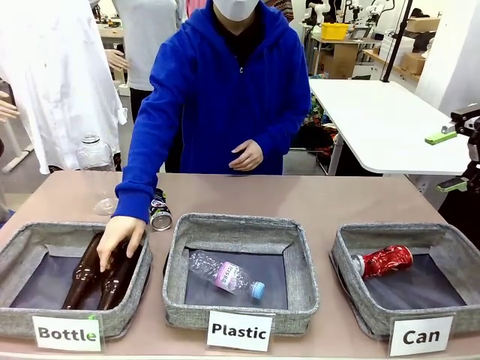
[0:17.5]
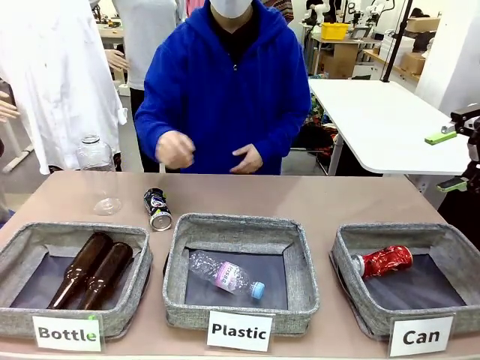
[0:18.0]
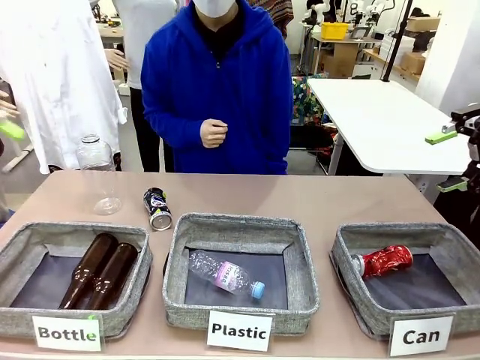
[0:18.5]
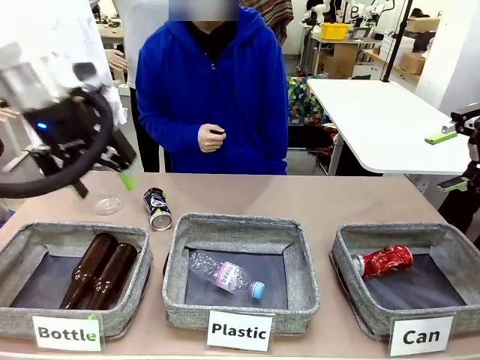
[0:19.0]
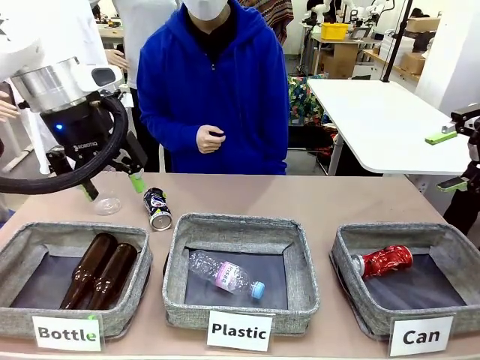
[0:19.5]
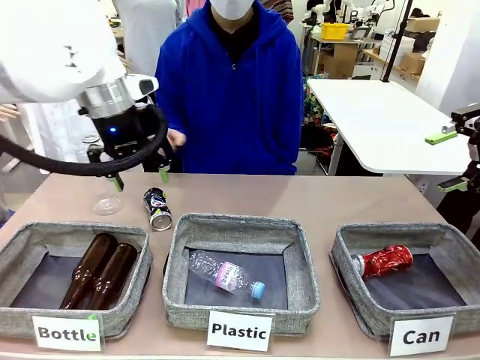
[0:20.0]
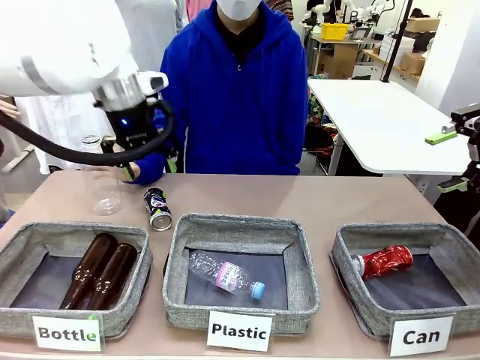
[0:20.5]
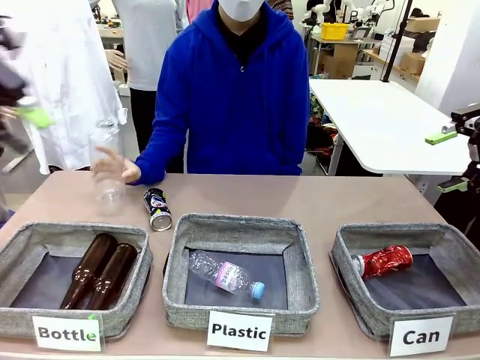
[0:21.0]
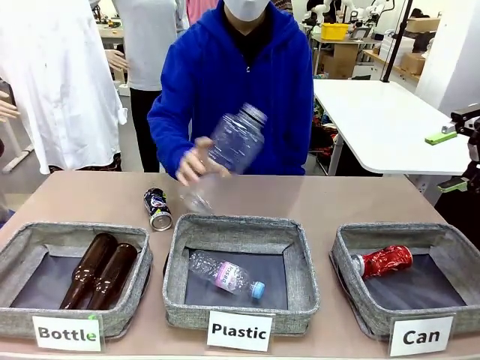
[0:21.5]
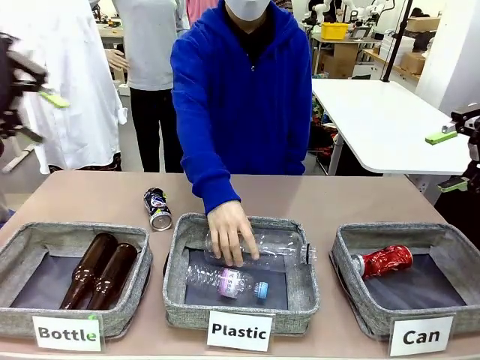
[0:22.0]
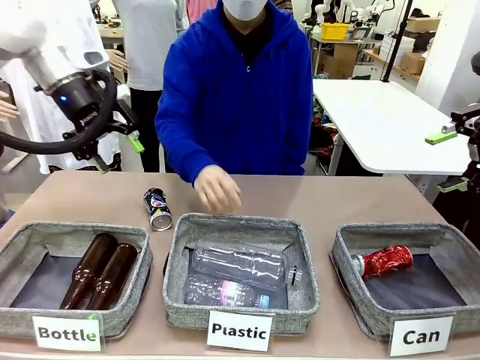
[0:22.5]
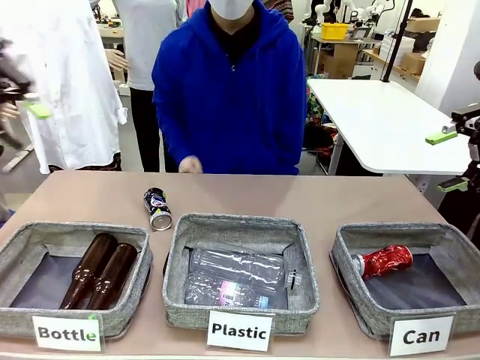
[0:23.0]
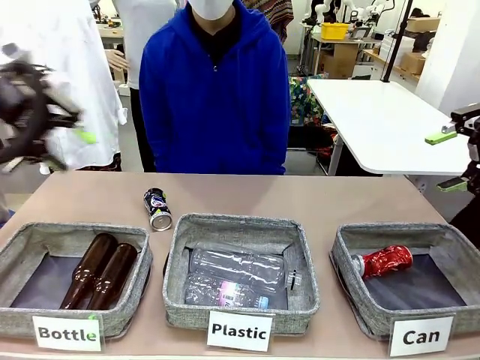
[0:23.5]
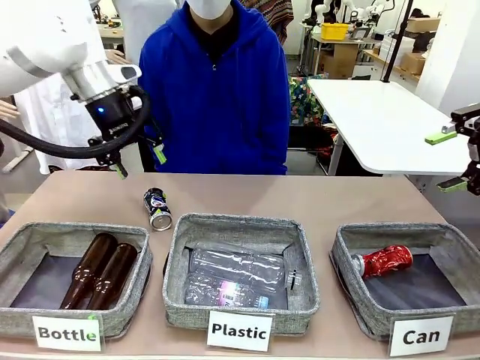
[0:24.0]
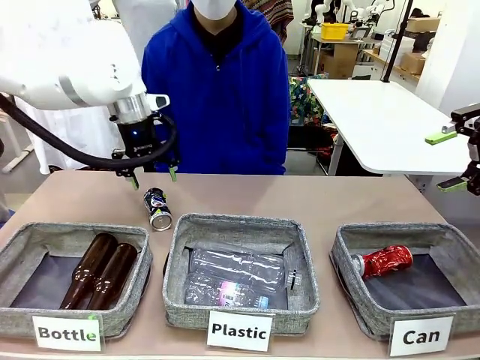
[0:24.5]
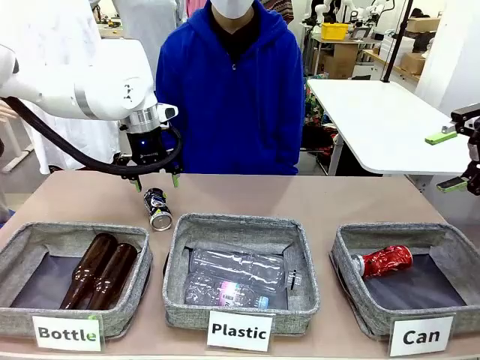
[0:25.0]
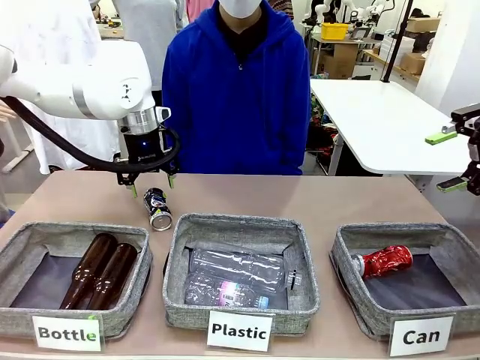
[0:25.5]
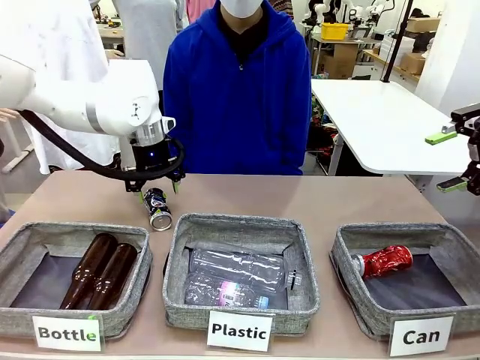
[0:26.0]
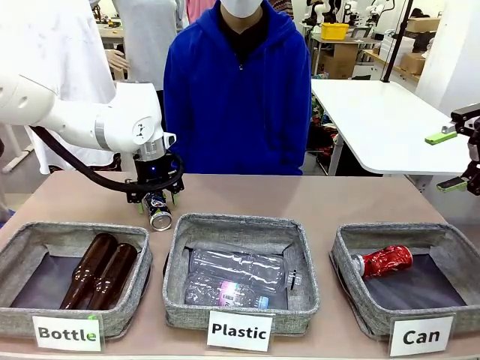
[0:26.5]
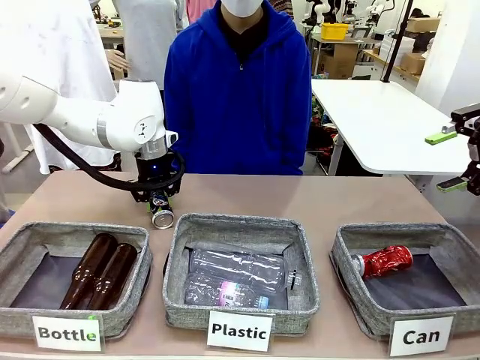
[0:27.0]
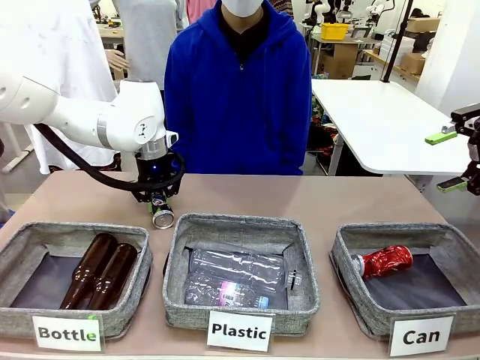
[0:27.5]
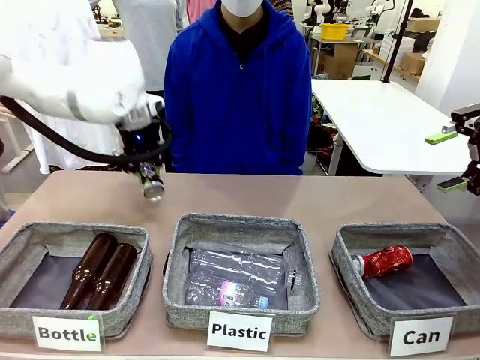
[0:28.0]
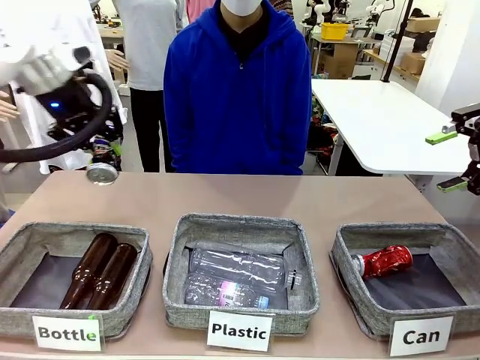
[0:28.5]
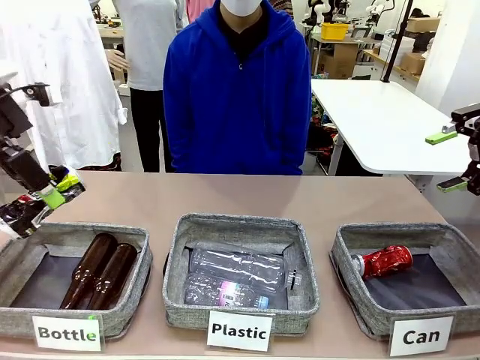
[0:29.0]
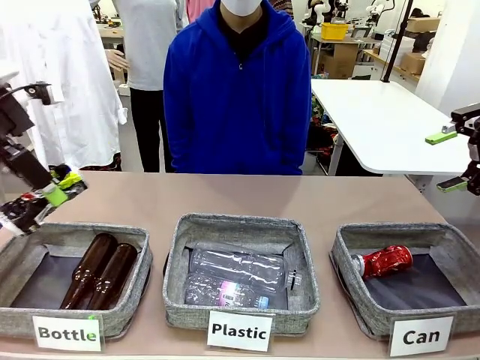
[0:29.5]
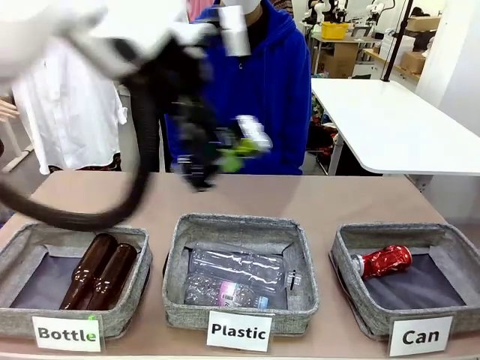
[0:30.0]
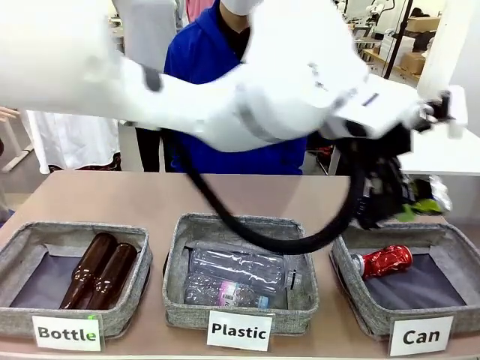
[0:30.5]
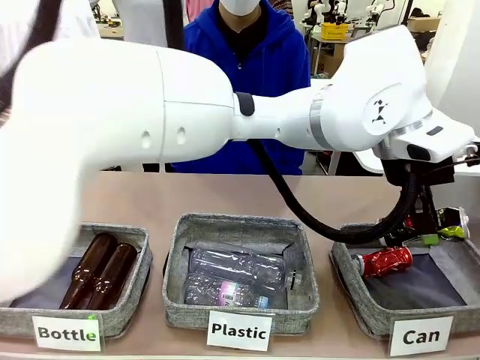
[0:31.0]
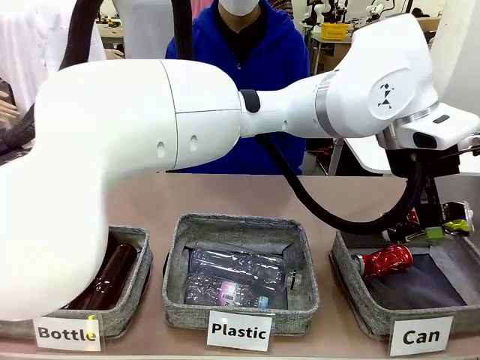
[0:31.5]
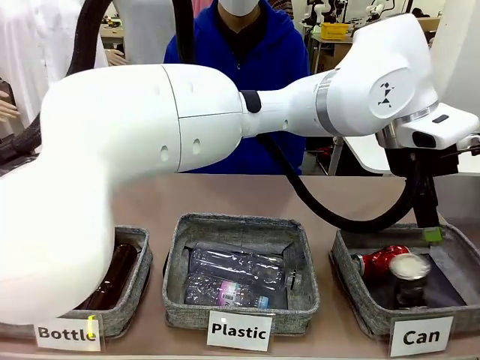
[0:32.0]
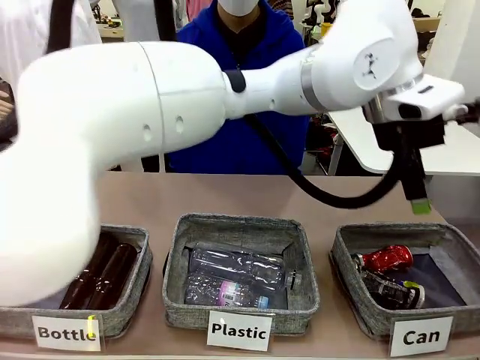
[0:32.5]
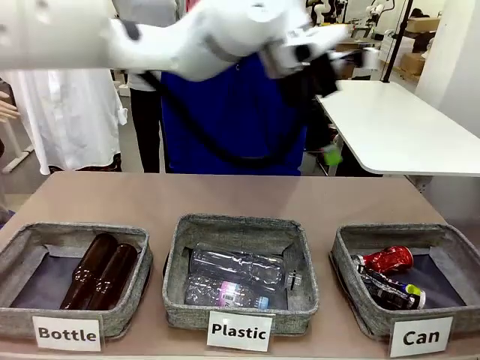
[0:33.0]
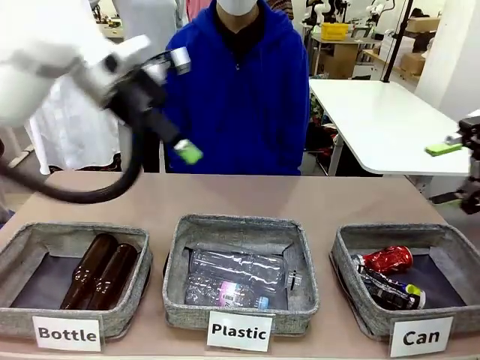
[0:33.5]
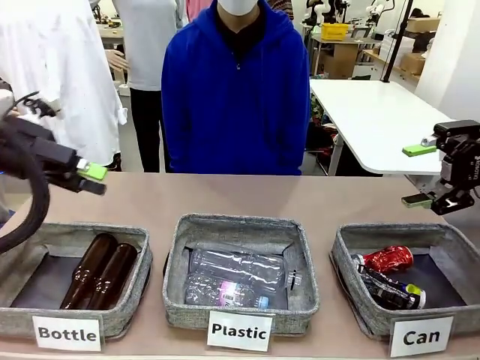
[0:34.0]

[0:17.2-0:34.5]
Task: Sort the can waste into the basket.
Robot: Pick up the can waste from the table and place it in the right Fabric basket.
Person: The human picks up one piece of trash that is not a can and places the trash into the appropriate organizing basket.
